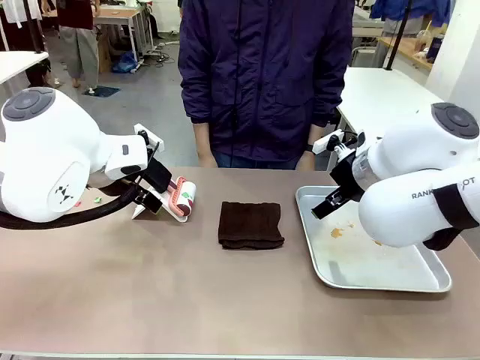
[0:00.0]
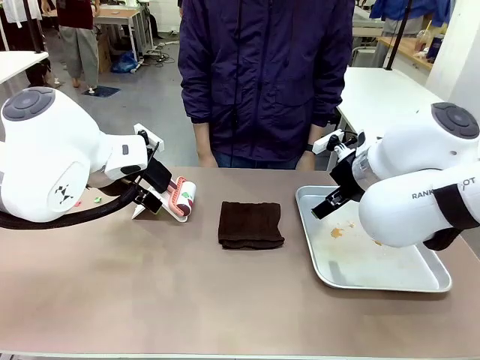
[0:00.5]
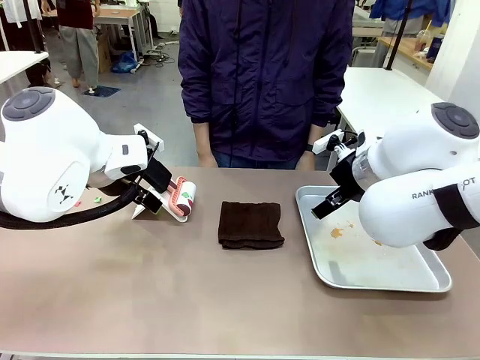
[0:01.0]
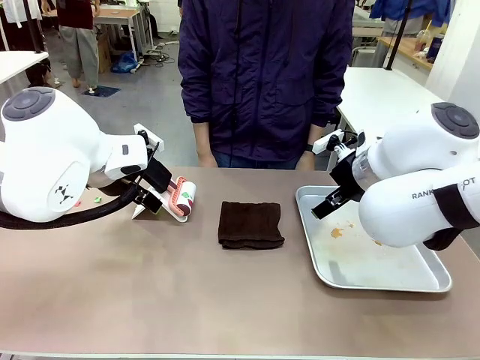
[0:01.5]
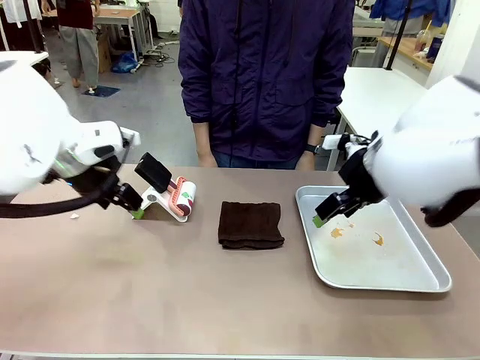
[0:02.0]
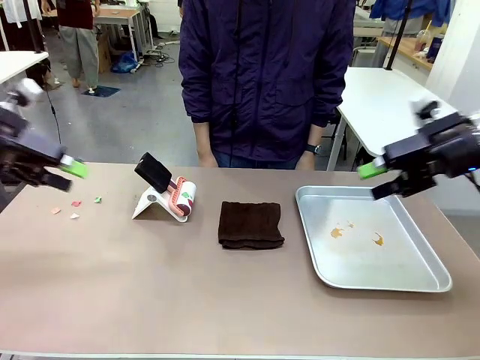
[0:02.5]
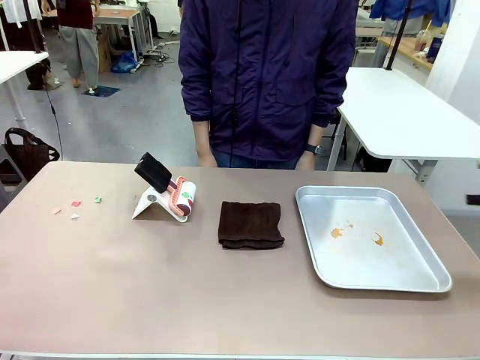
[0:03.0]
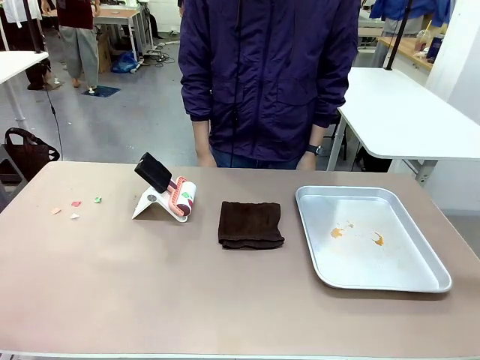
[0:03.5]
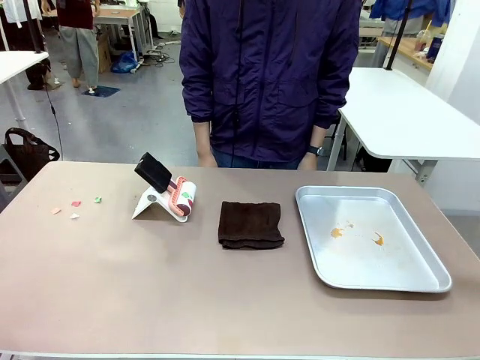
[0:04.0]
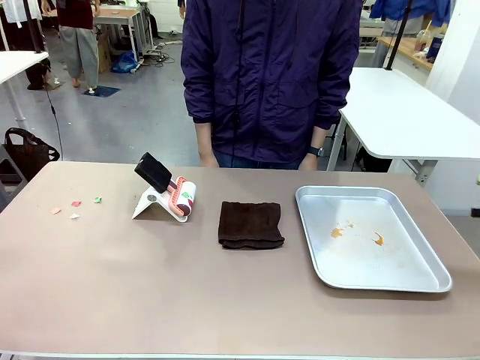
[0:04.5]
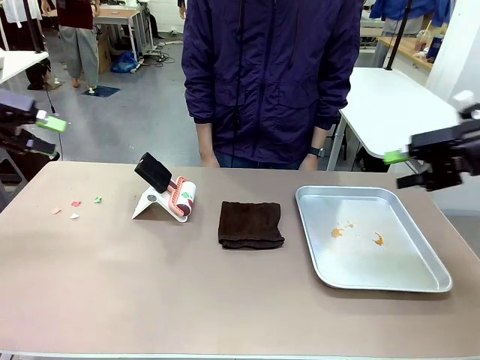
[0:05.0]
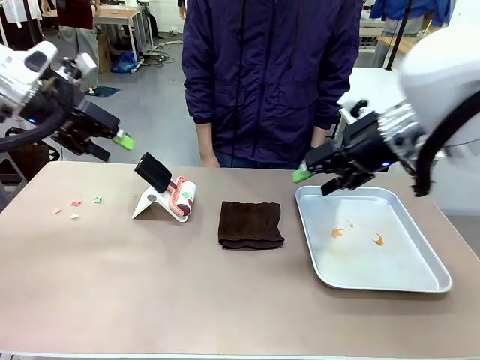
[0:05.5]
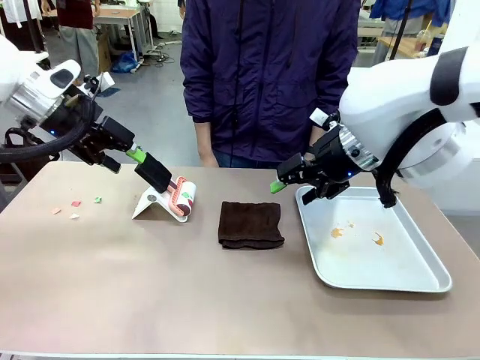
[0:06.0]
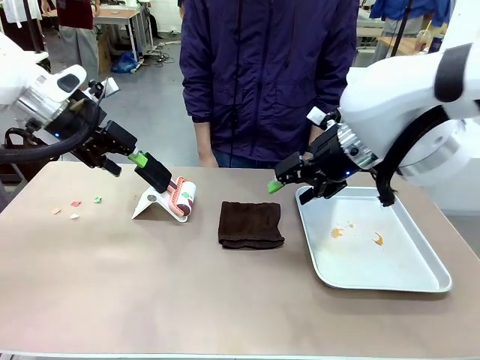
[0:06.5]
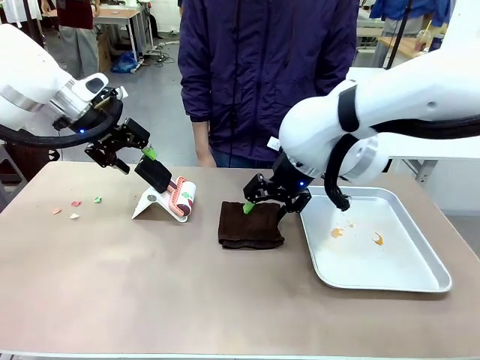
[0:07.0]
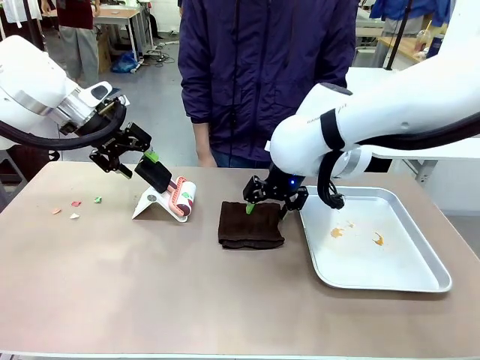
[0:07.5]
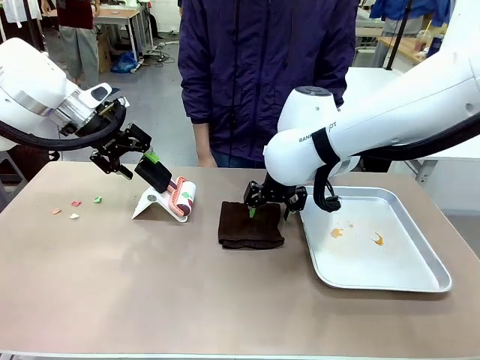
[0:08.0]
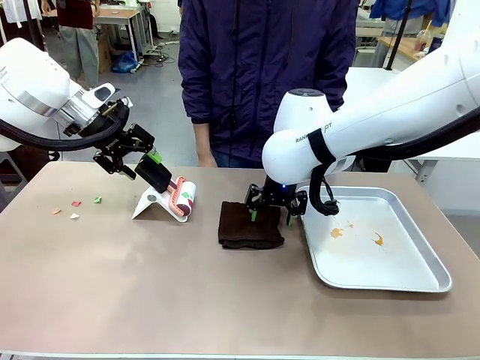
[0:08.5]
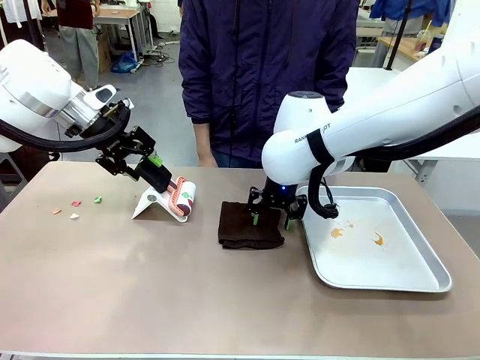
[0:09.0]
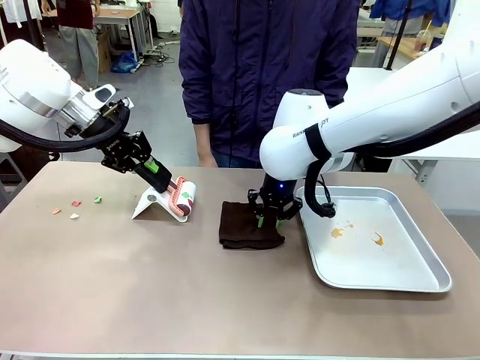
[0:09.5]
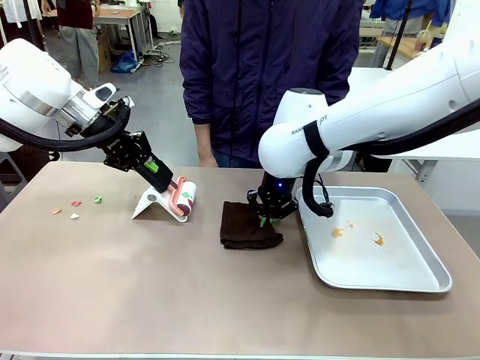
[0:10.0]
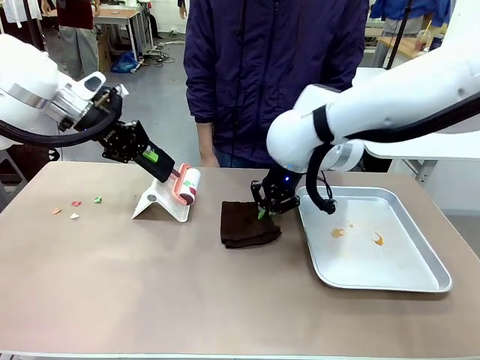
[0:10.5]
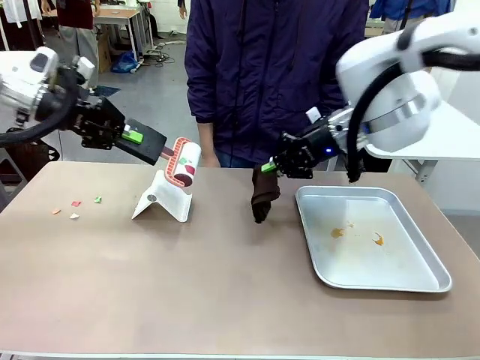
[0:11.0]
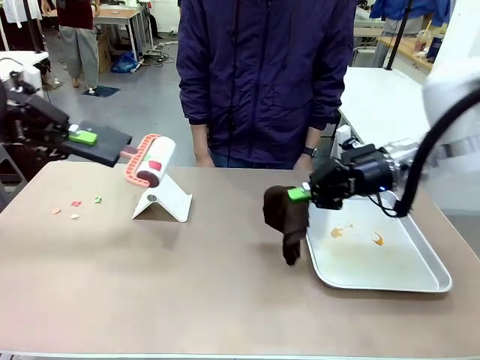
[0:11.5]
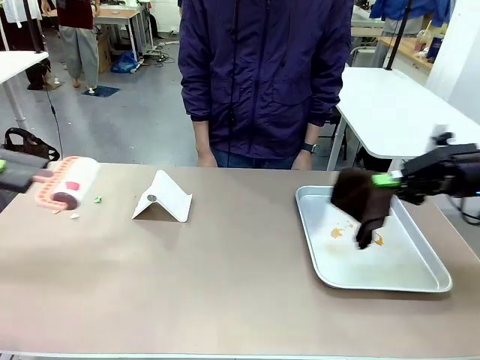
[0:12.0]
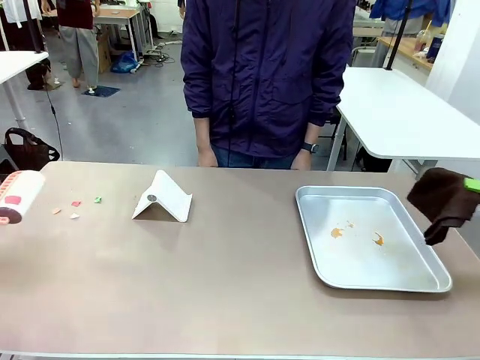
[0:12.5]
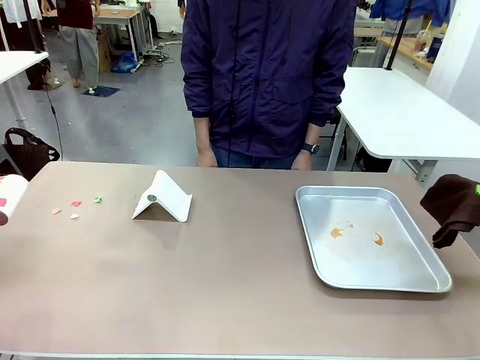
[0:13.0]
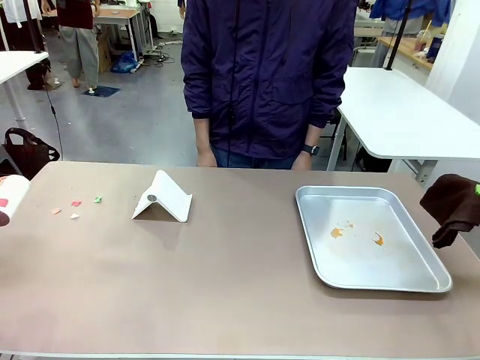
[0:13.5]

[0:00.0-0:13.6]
Task: Clean the surface of the table.
Robot: Hold the Lint Roller with your left hand and the towel with your right hand.

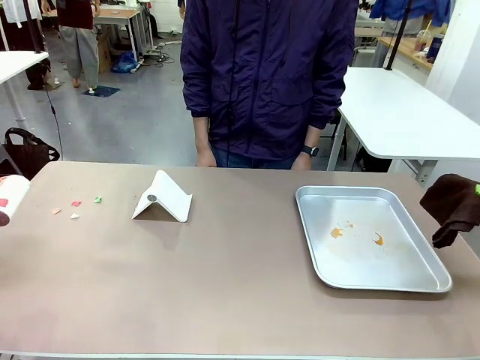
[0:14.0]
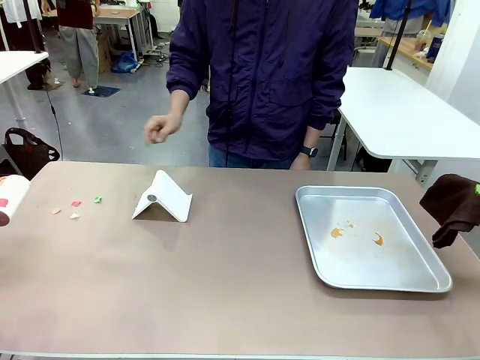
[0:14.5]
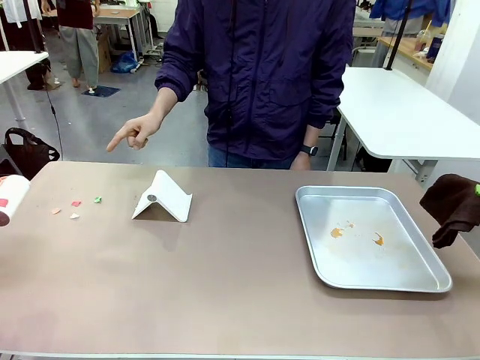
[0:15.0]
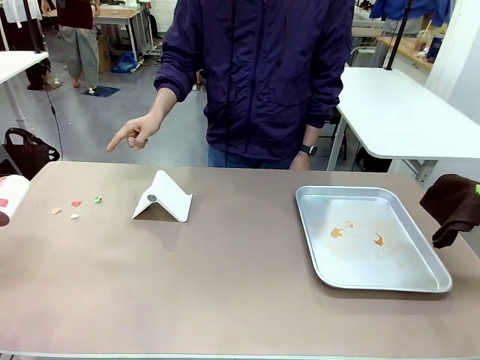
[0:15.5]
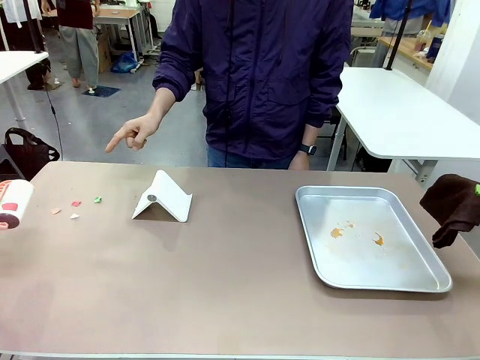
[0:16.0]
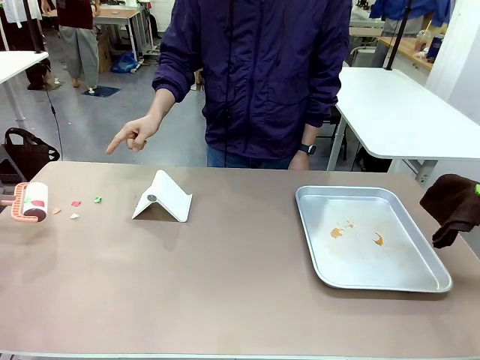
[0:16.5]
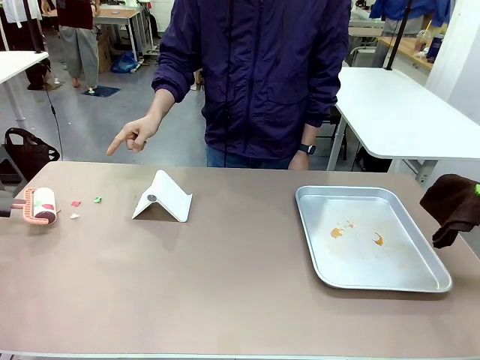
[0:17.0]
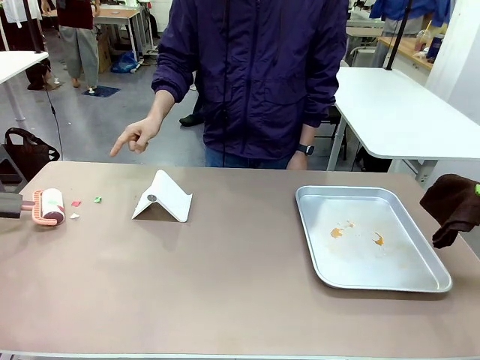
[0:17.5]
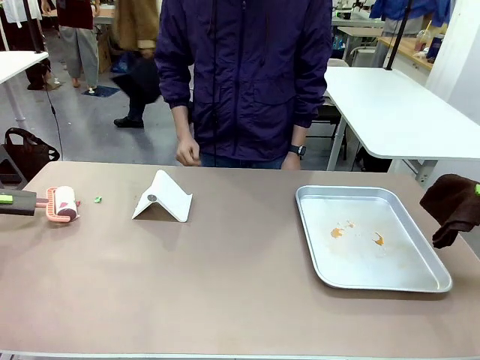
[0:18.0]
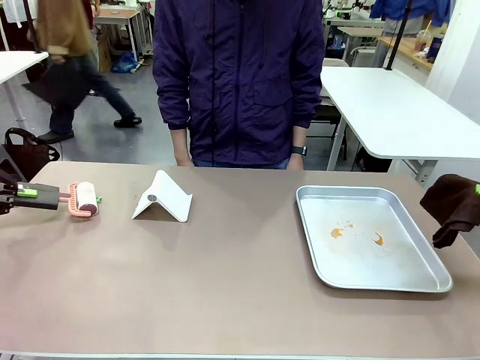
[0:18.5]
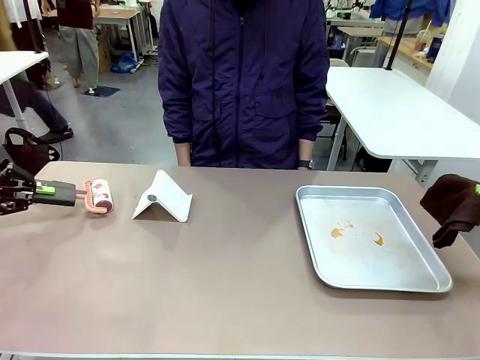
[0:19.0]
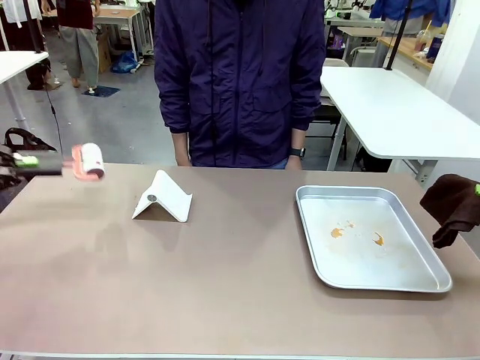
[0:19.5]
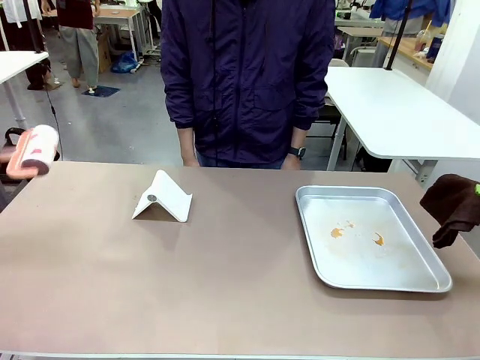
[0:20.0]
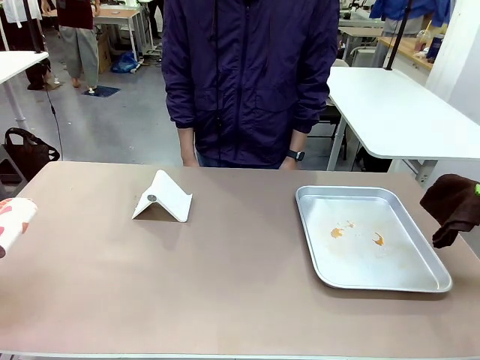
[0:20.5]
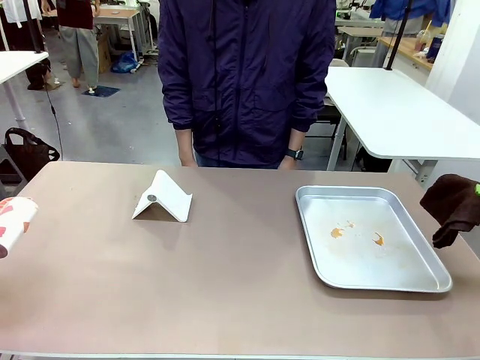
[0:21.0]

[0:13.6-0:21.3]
Robot: If a person points to the right, clean the right side of the table with your right hand, and if they point to the left, clean the left side with your left hand.

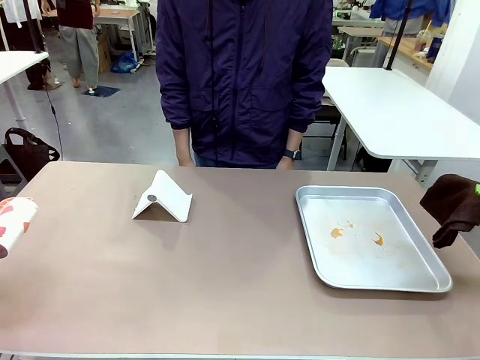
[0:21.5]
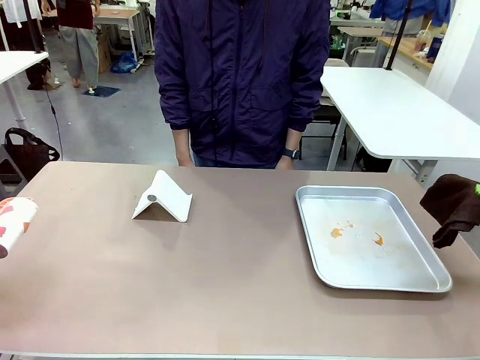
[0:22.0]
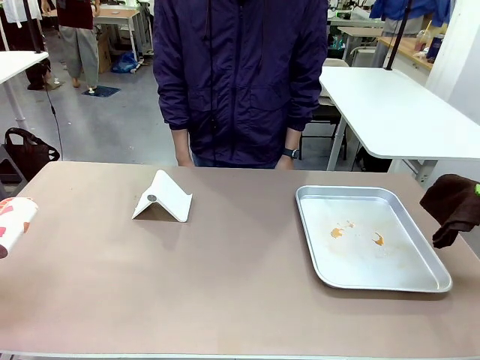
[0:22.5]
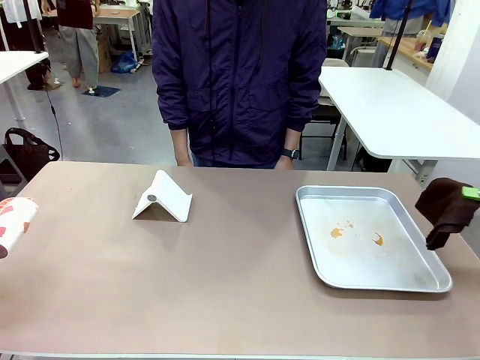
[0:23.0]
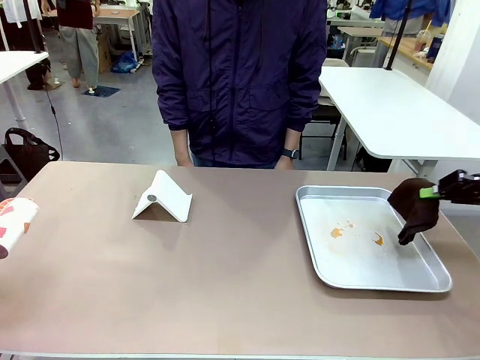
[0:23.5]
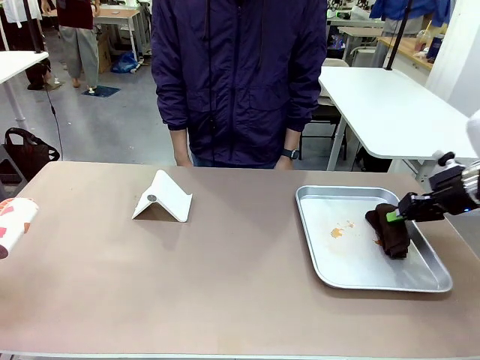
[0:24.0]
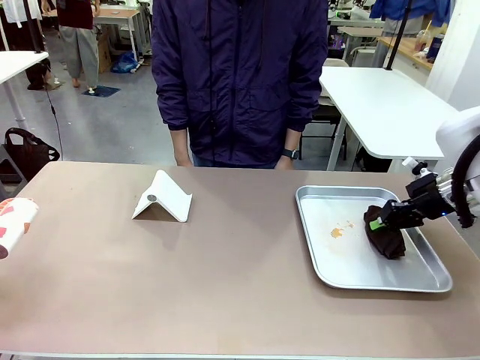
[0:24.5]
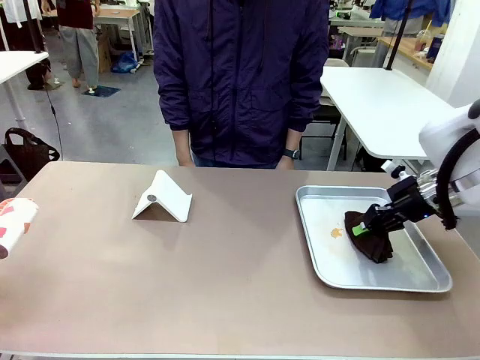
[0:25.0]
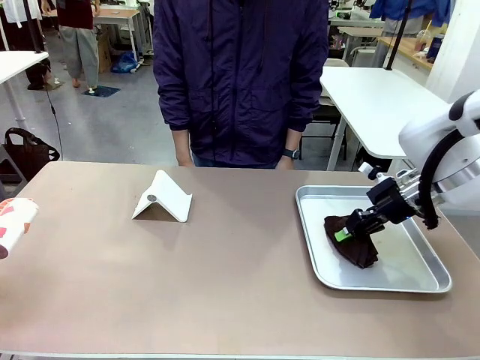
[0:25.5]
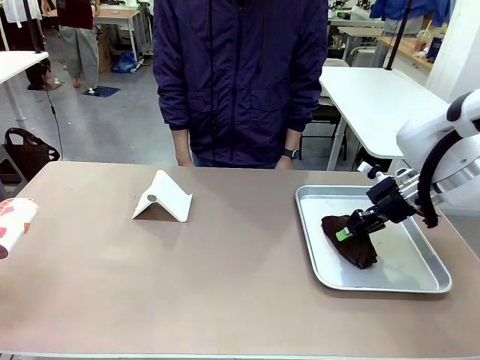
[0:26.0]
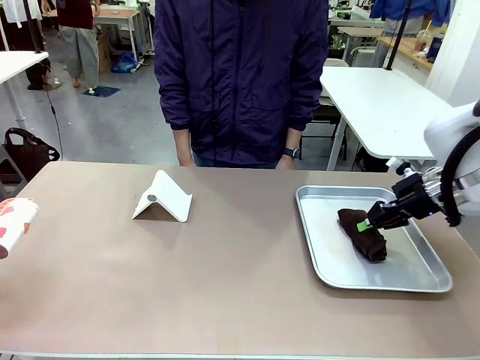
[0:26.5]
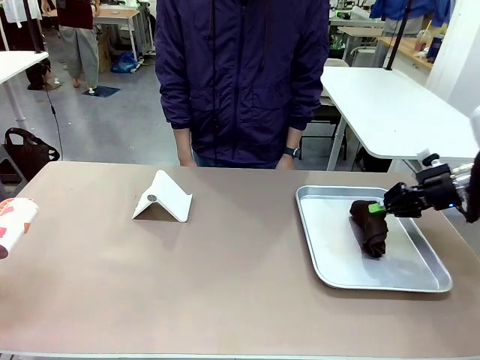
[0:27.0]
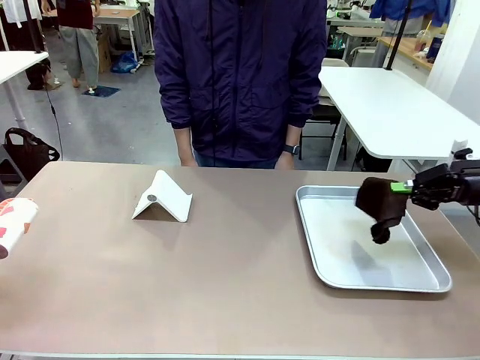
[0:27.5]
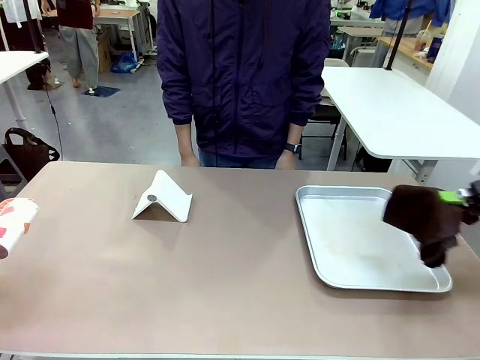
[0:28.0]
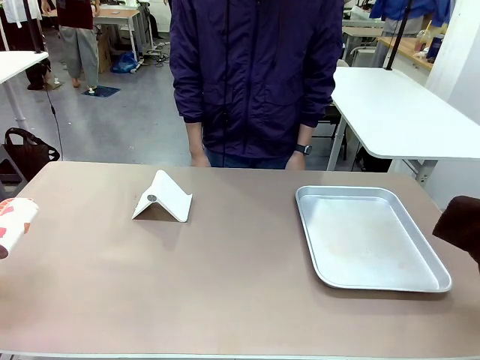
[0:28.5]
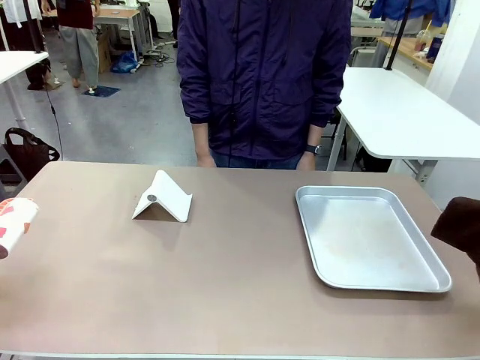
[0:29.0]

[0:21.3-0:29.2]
Robot: Clean the area not pointed to by the person.
